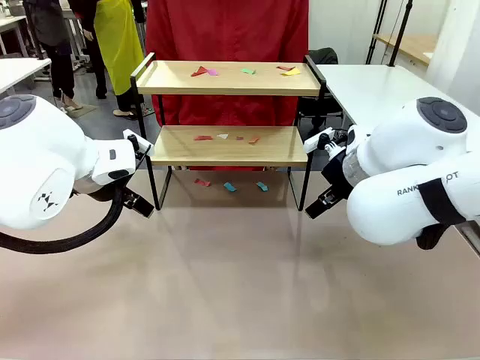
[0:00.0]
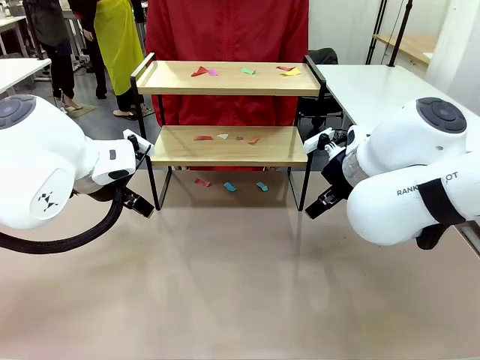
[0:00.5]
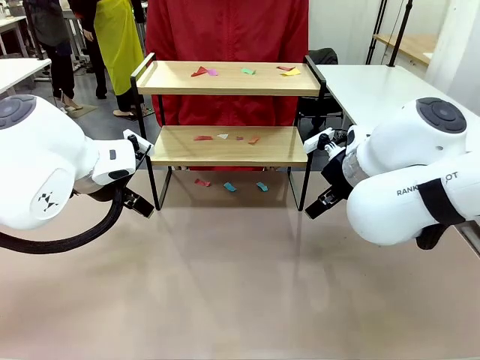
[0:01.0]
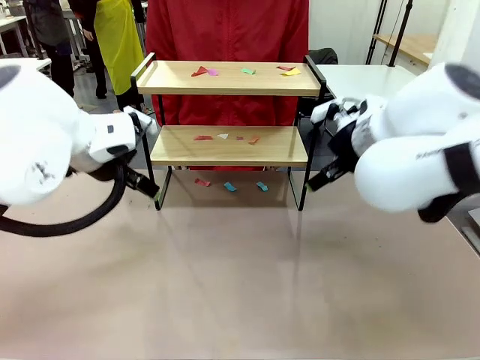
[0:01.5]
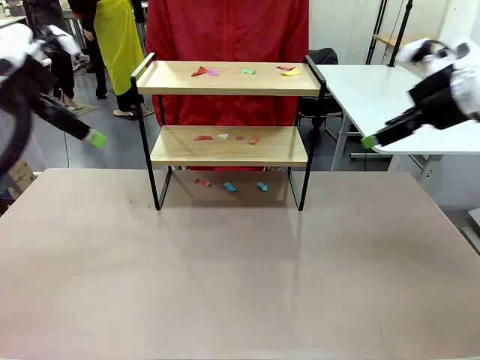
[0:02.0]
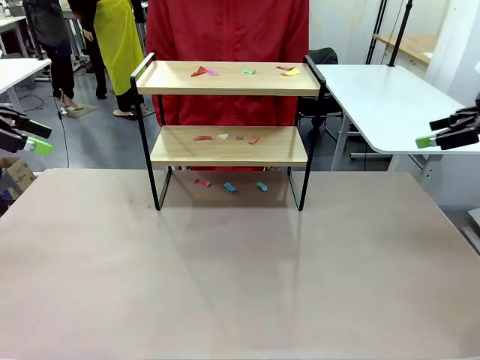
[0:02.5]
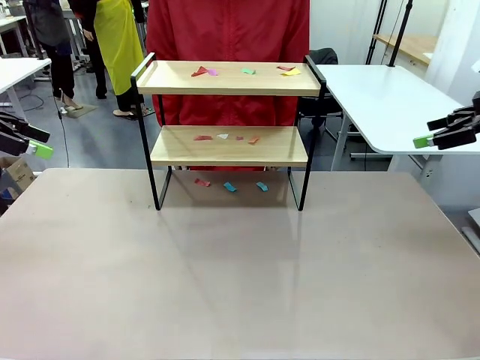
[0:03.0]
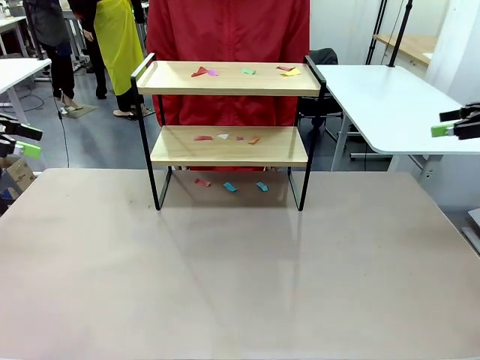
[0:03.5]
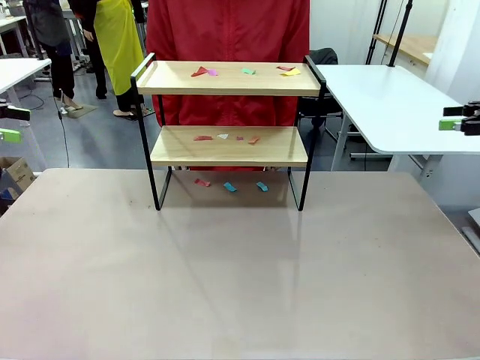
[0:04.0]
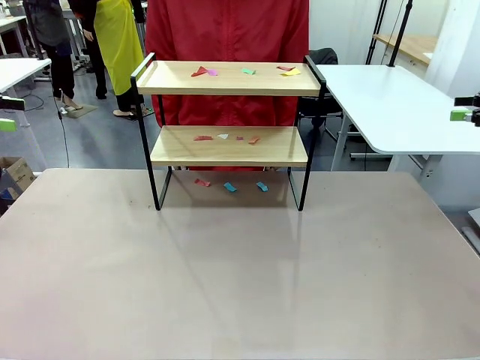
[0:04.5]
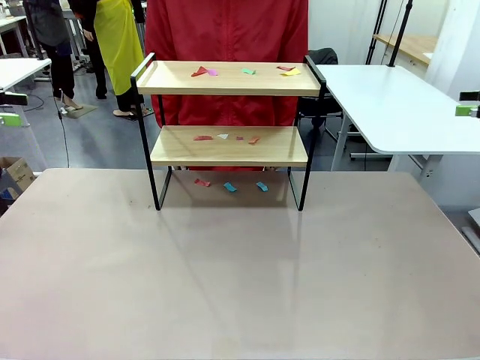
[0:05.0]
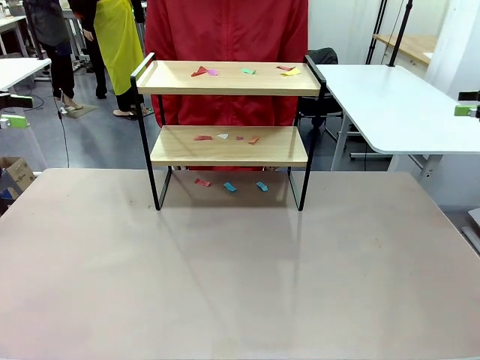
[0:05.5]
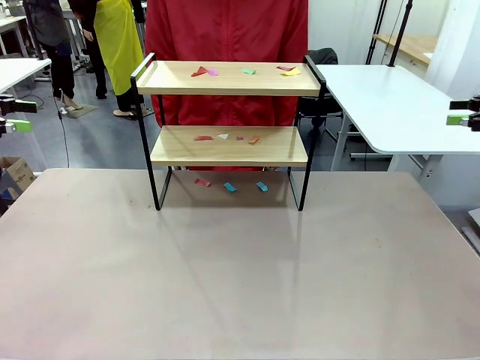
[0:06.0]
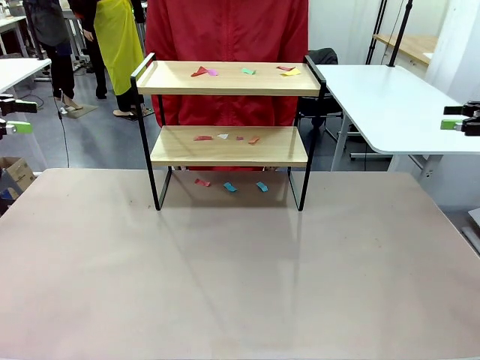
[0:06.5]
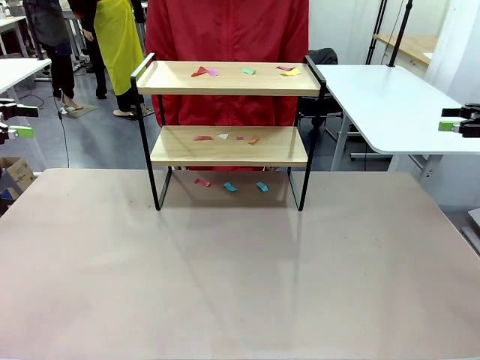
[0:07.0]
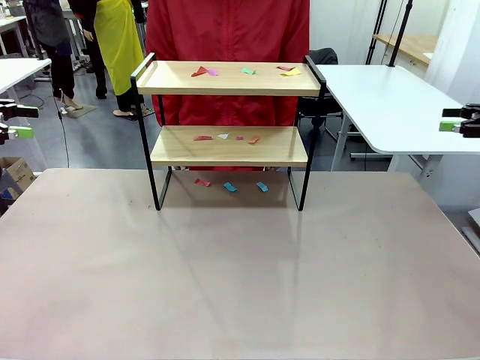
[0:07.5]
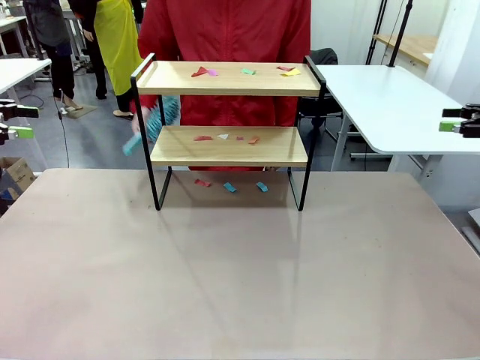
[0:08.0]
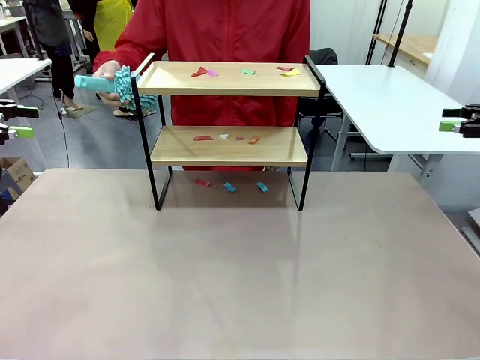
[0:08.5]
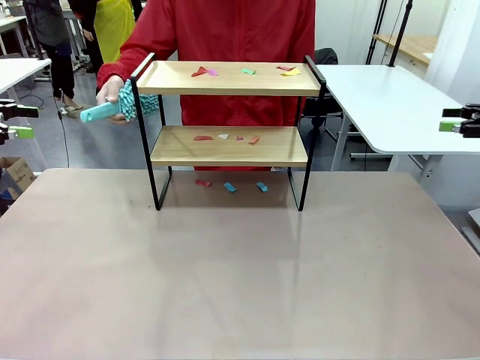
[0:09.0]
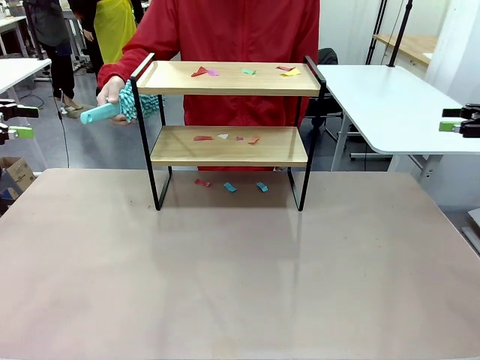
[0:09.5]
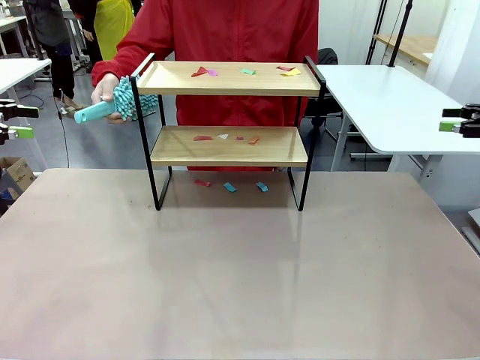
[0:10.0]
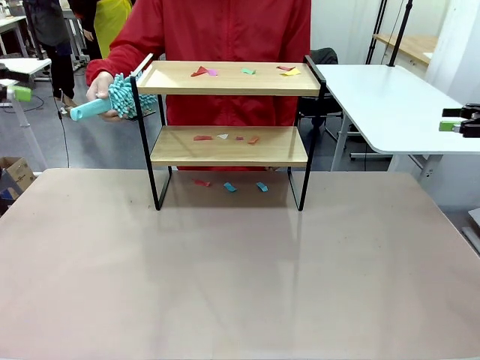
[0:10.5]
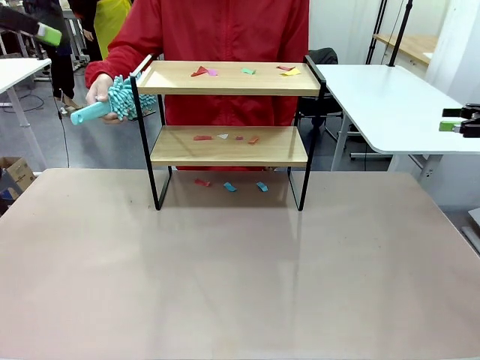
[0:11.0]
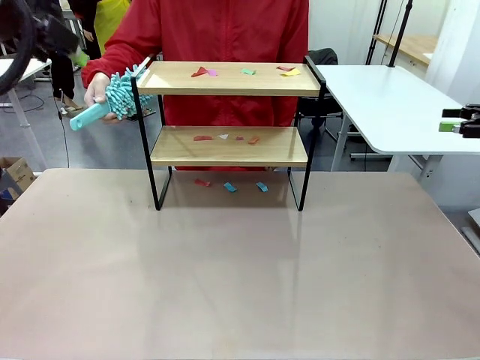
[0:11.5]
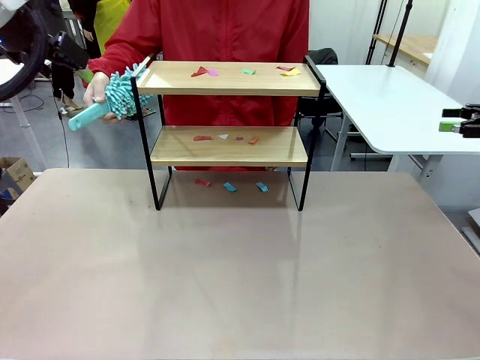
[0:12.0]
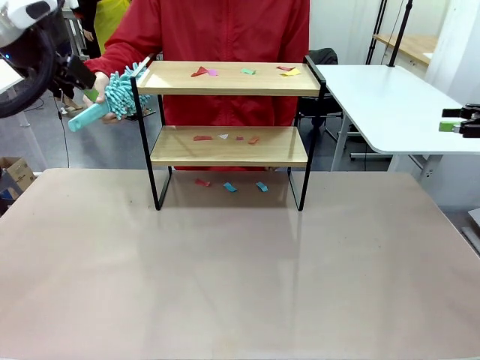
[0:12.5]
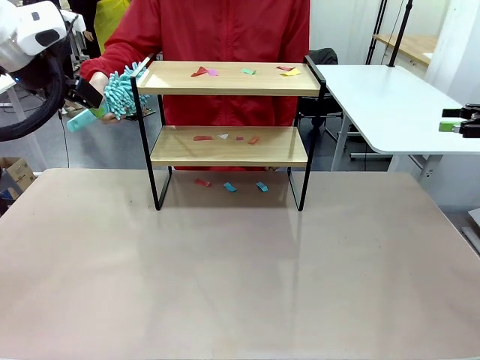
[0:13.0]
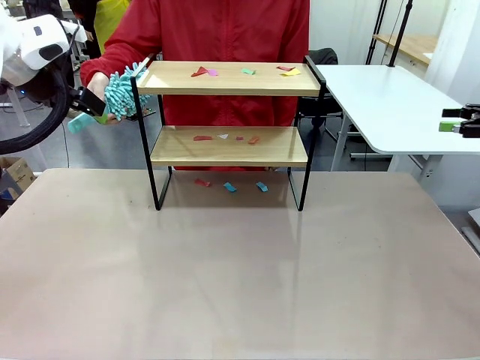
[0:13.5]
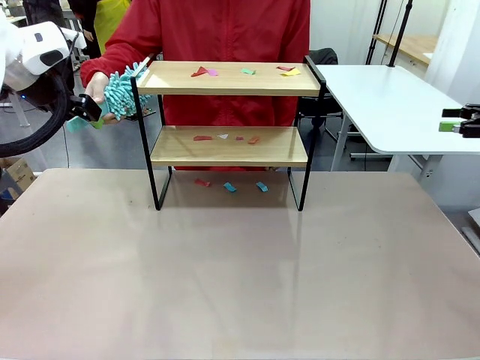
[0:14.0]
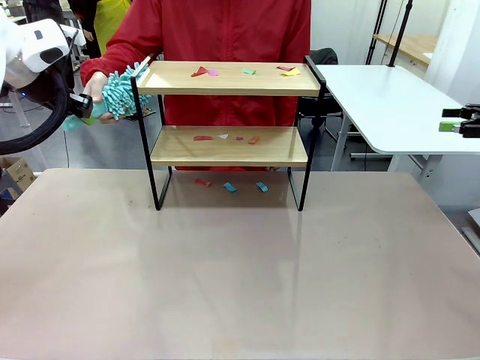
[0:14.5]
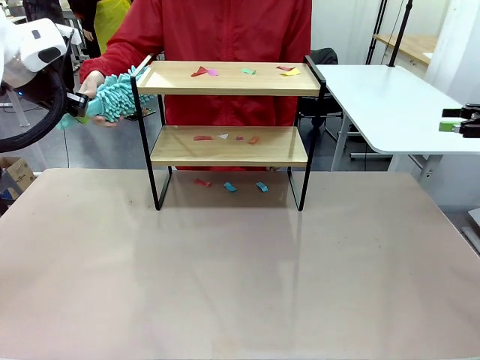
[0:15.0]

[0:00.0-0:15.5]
Task: Clean the shelf.
Robot: Pick up the Duster handed by the human.
Person: Hand the Duster to the robot.

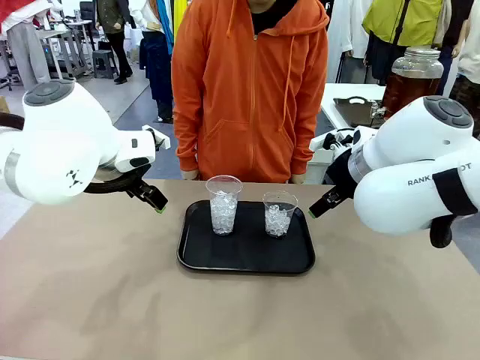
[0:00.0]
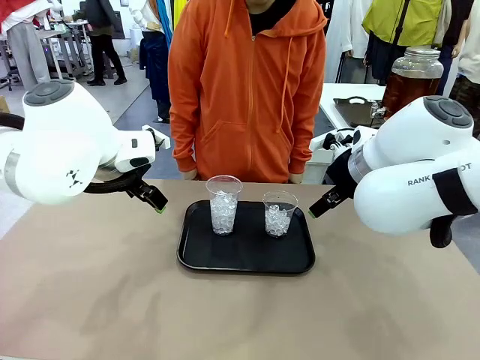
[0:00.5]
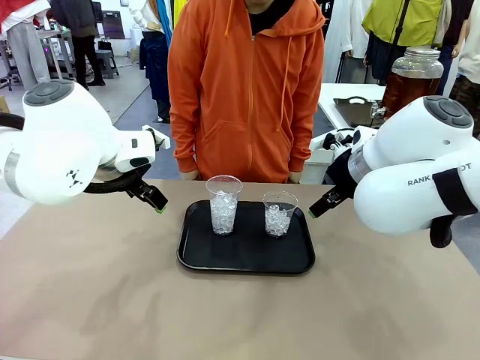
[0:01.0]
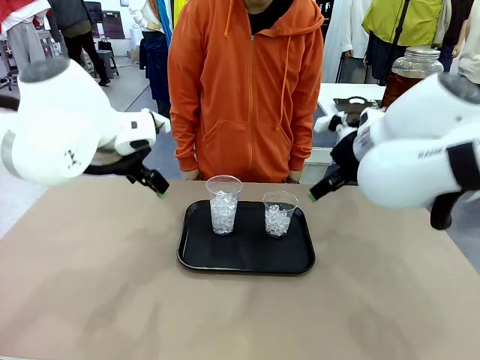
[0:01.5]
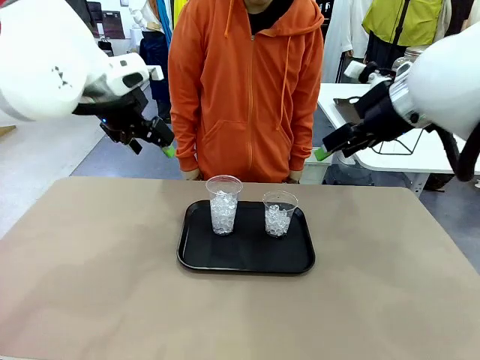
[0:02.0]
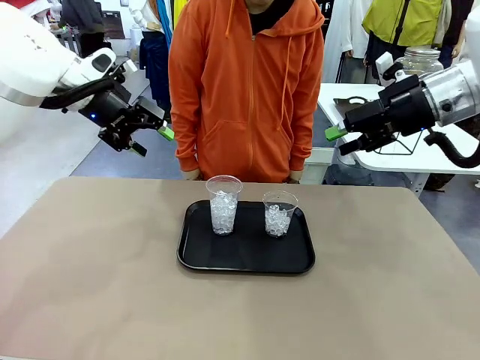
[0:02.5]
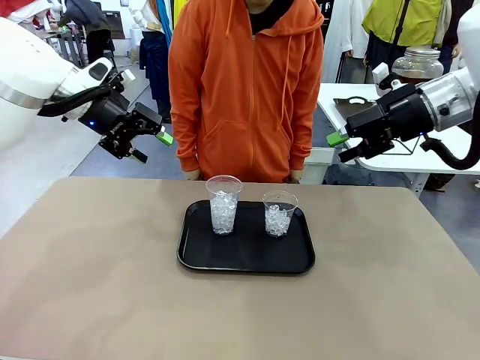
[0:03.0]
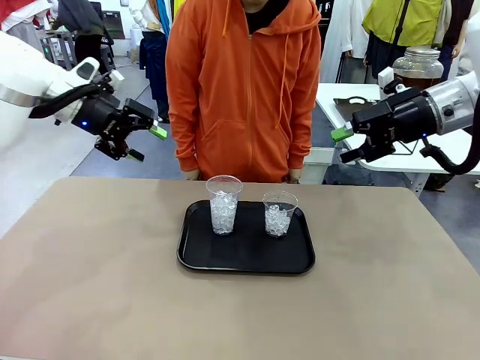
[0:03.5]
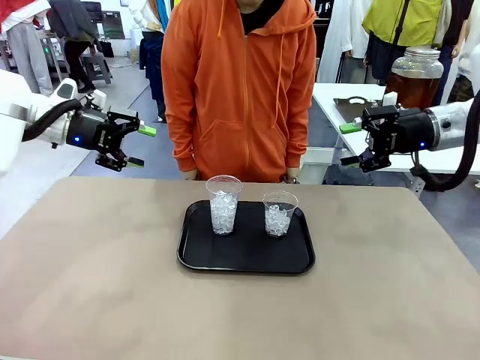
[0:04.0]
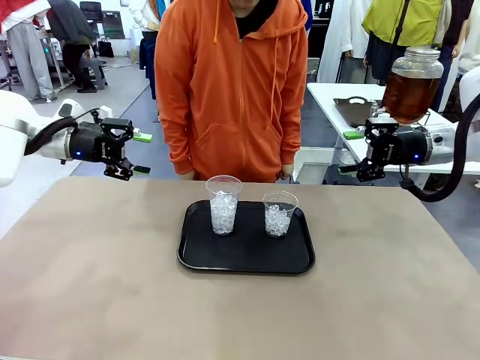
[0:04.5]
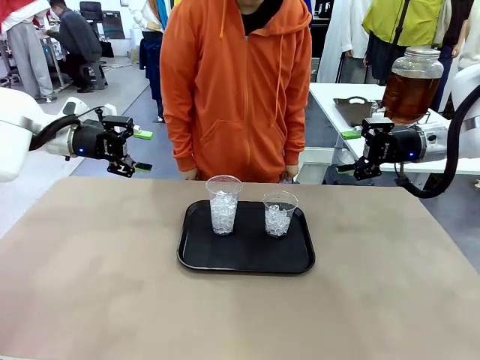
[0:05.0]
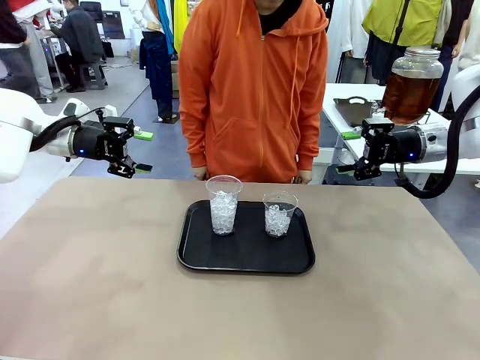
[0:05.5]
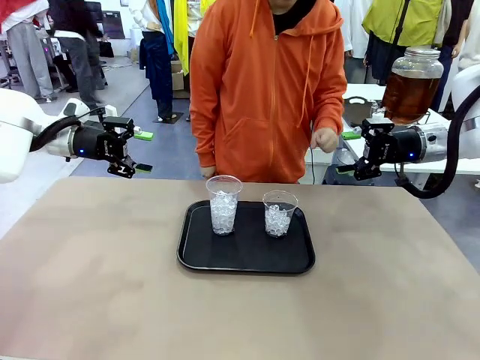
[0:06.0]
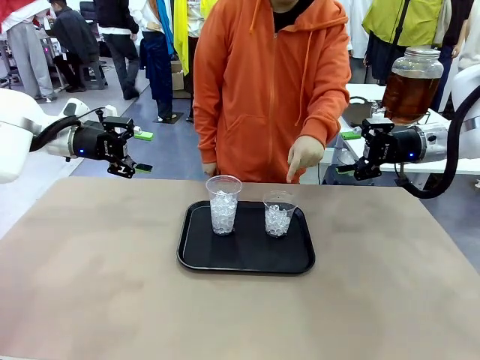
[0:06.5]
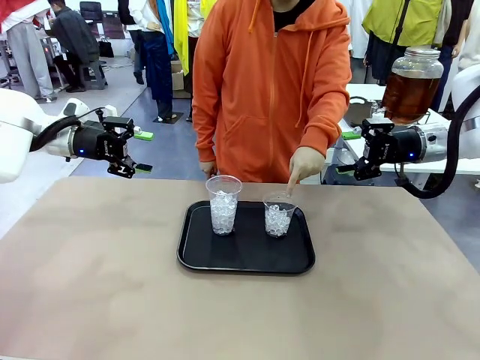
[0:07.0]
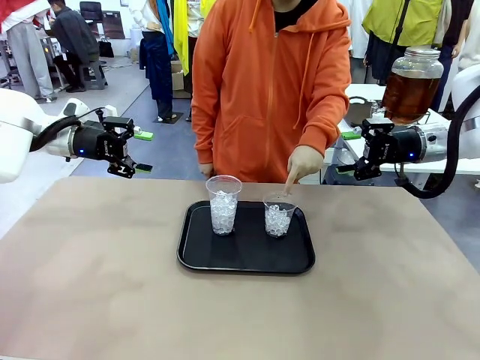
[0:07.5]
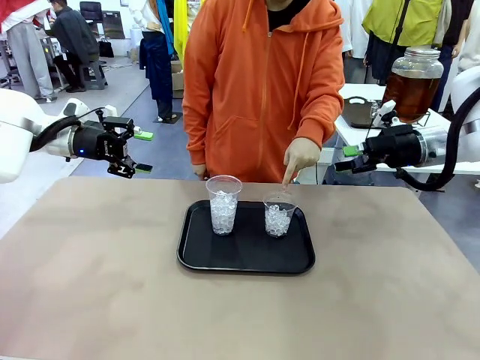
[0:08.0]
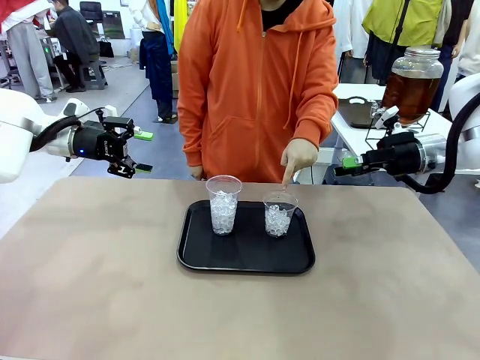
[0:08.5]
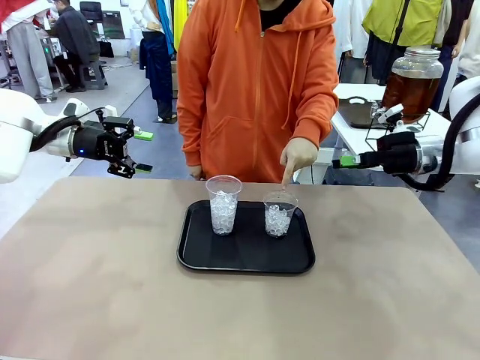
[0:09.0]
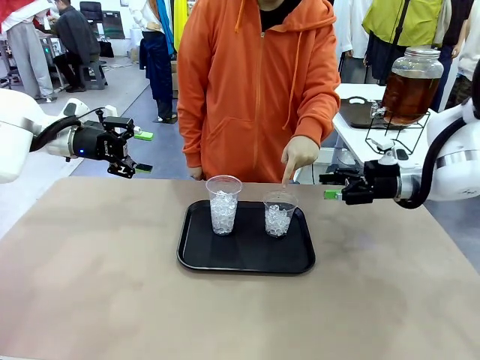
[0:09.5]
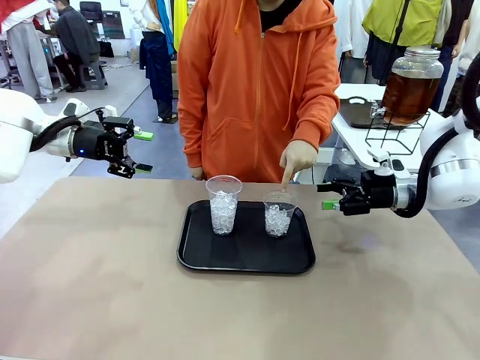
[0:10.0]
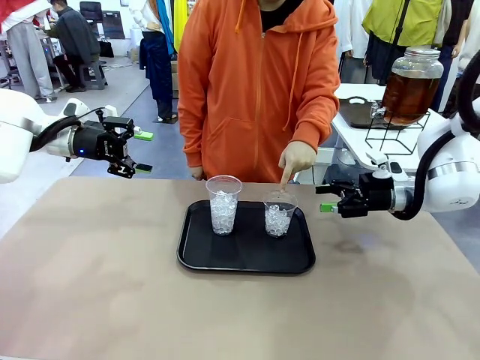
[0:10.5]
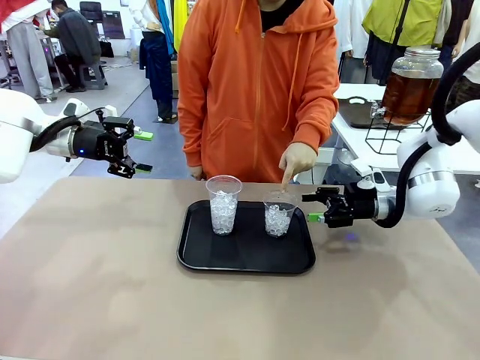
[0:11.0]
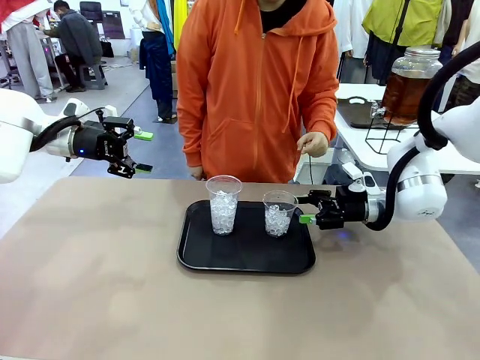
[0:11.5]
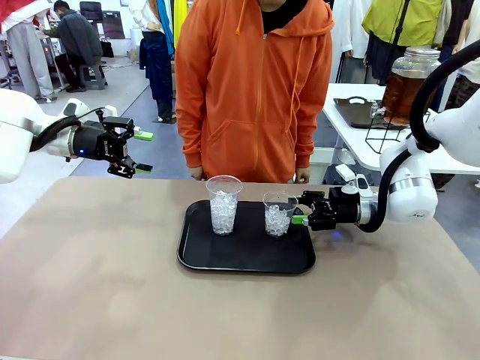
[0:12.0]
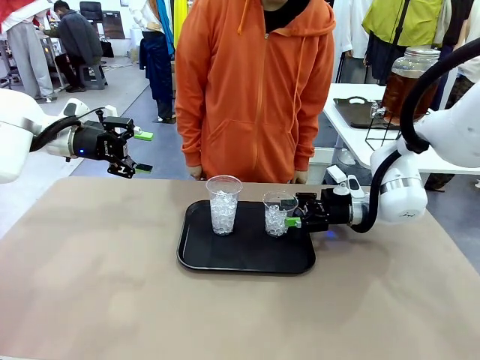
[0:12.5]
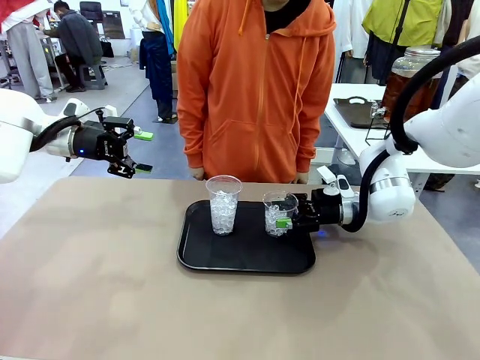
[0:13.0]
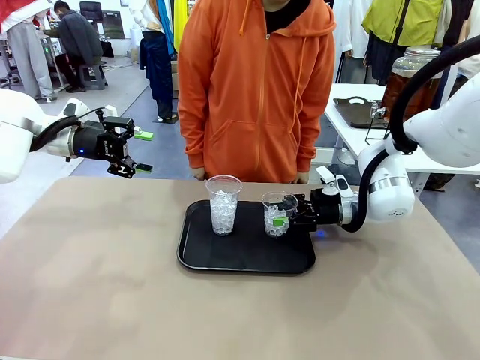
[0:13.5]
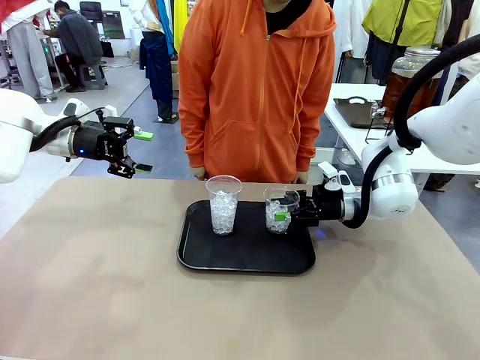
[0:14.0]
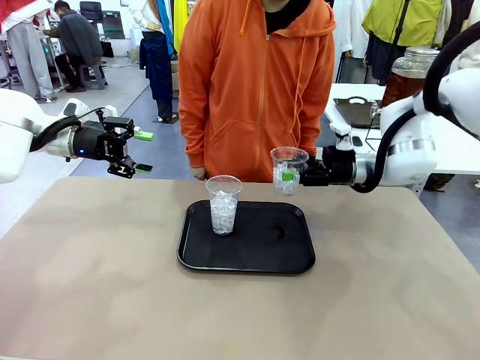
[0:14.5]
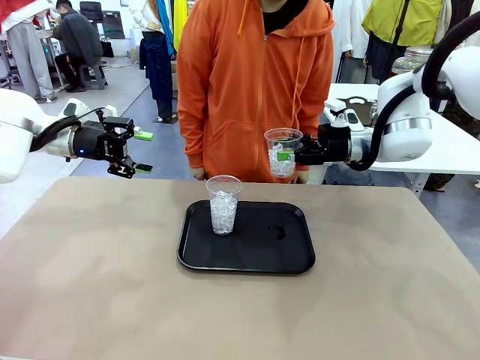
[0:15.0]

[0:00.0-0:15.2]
Task: Pour the drink into the iced cup.
Robot: Pick up the iced cup indicated by the human and present it to them.
Person: Point to one of the two ice cups. Pick up the cup offered by the robot.
